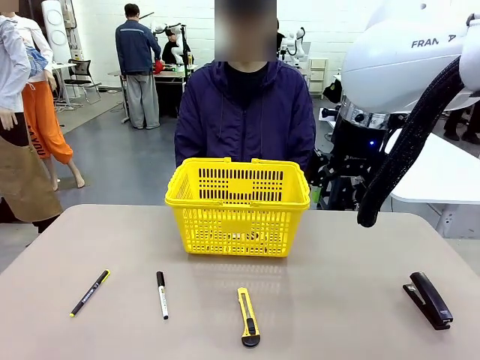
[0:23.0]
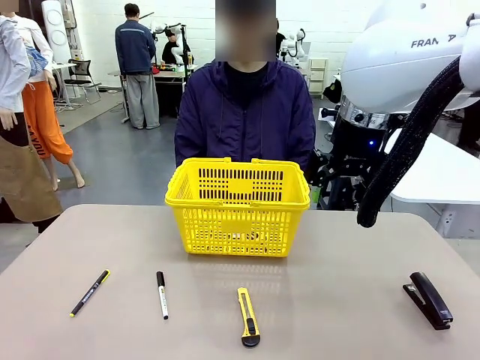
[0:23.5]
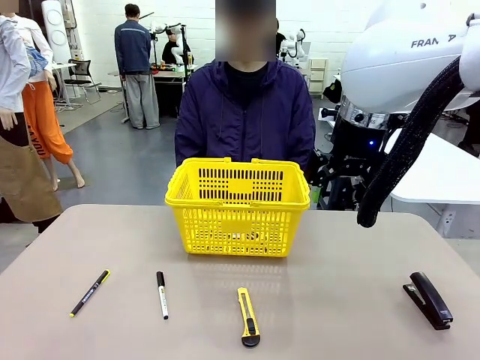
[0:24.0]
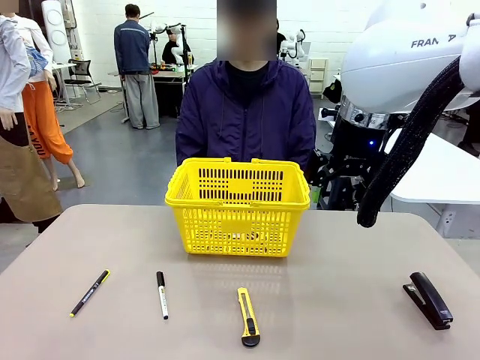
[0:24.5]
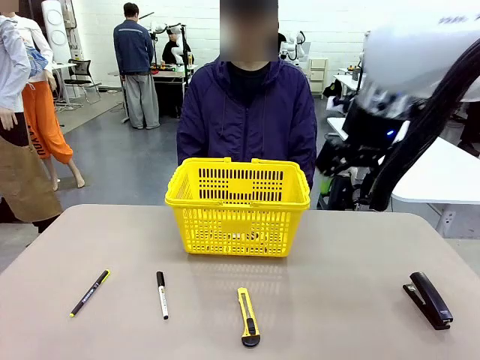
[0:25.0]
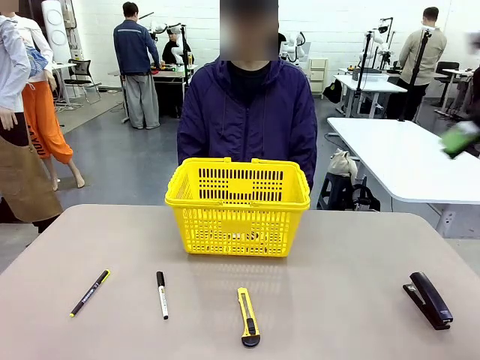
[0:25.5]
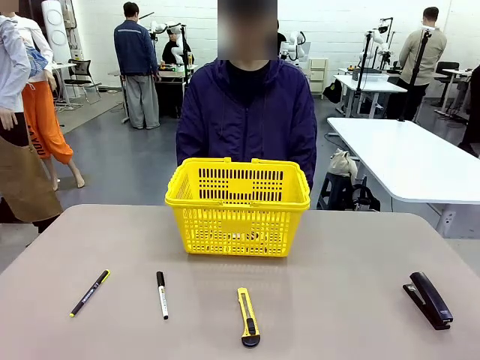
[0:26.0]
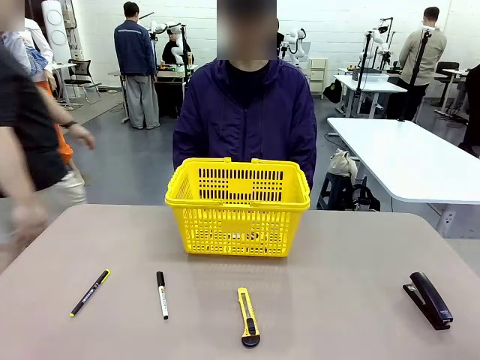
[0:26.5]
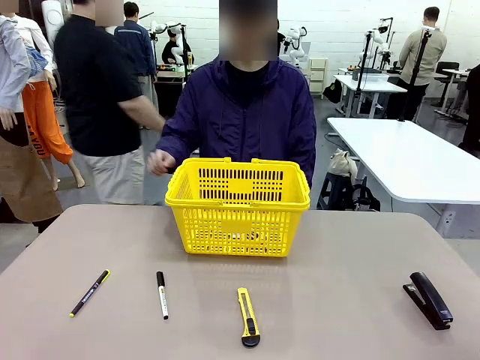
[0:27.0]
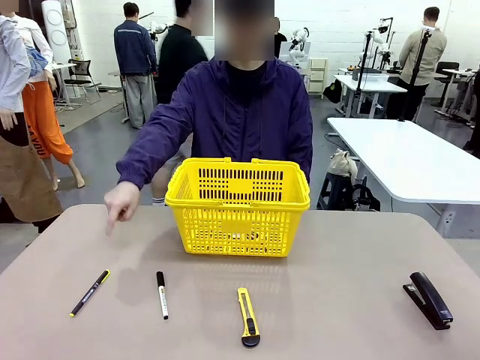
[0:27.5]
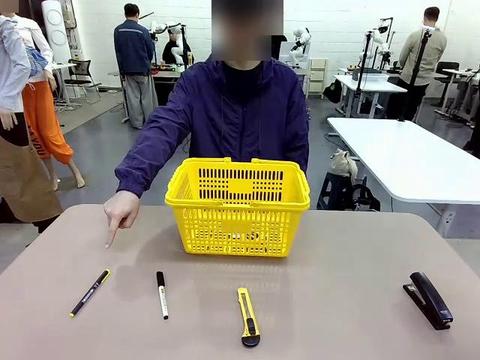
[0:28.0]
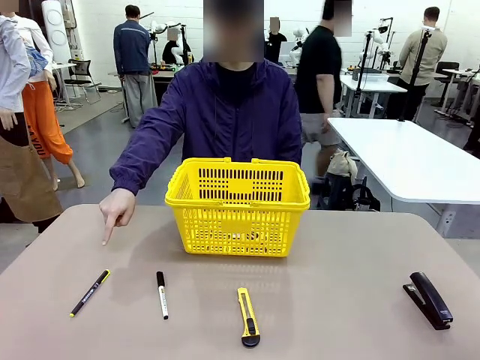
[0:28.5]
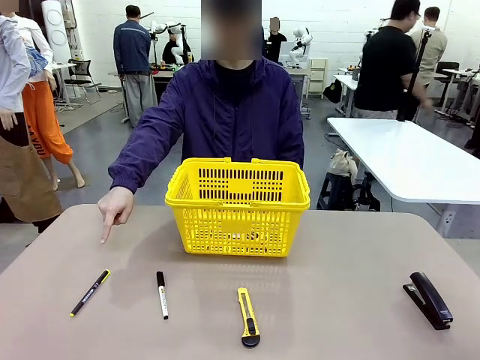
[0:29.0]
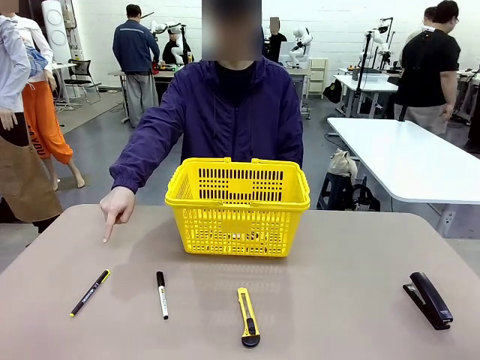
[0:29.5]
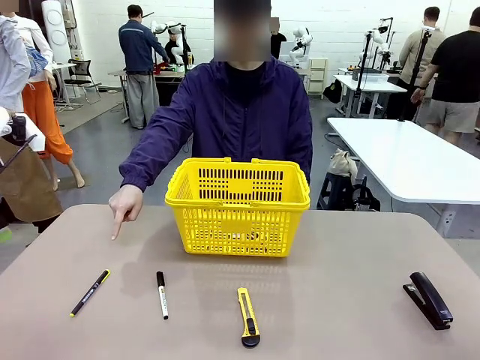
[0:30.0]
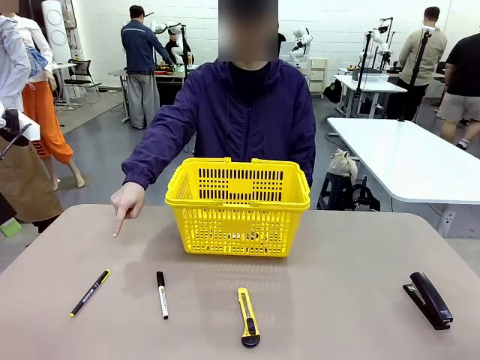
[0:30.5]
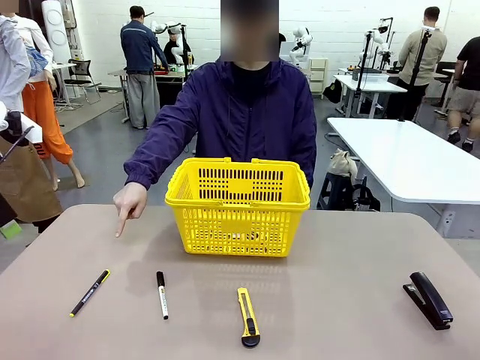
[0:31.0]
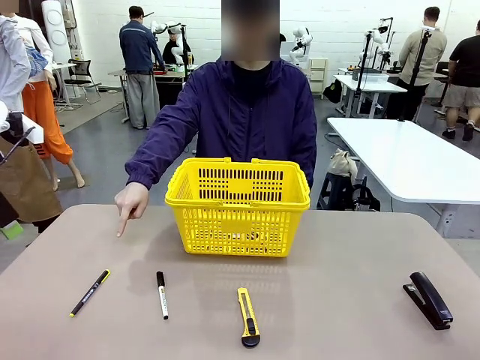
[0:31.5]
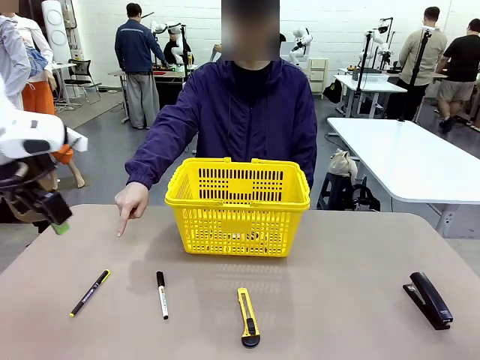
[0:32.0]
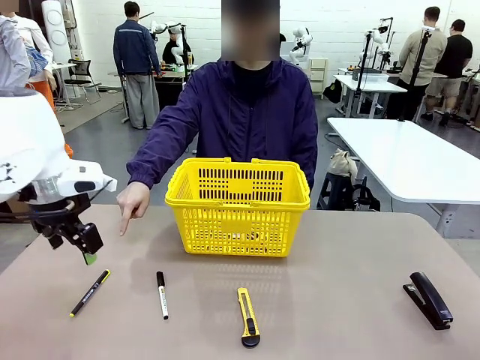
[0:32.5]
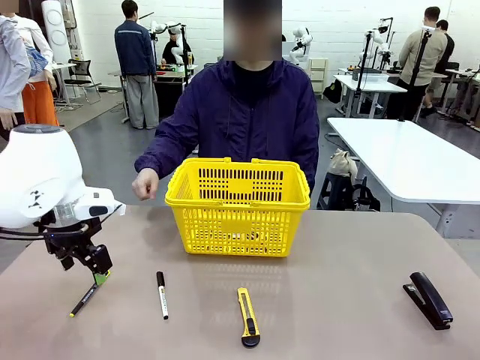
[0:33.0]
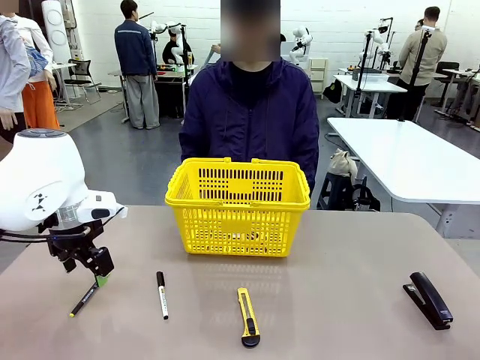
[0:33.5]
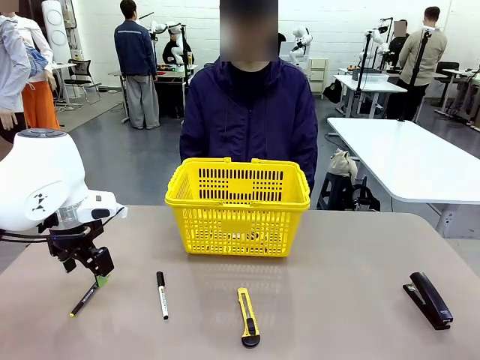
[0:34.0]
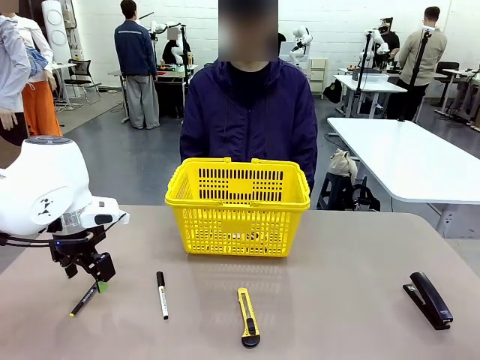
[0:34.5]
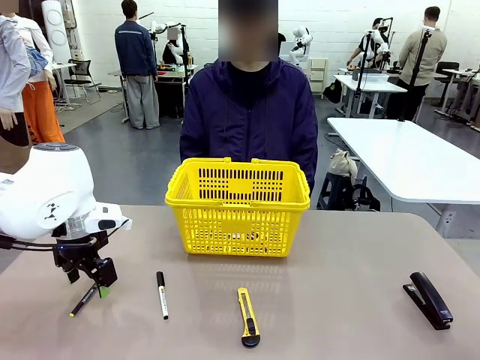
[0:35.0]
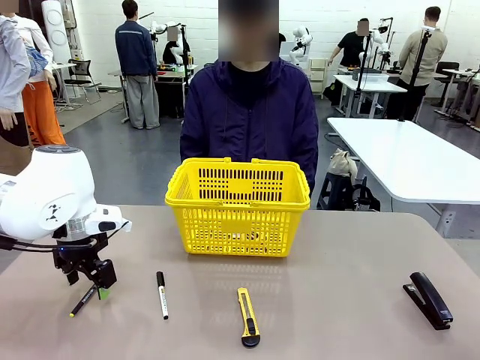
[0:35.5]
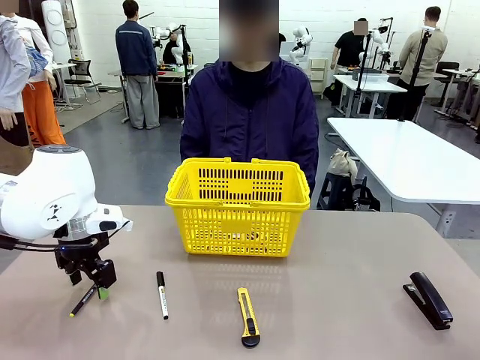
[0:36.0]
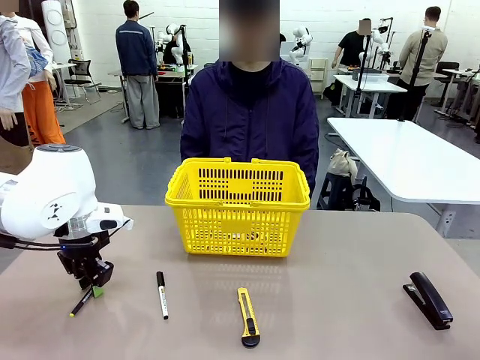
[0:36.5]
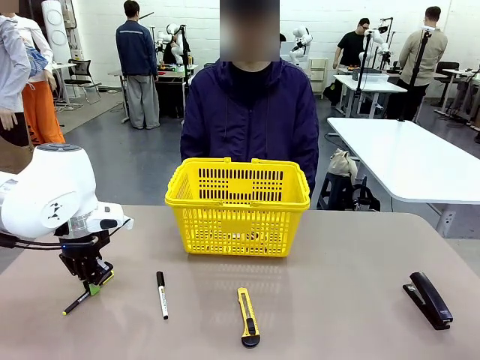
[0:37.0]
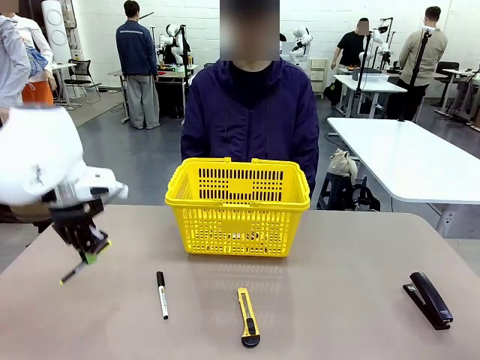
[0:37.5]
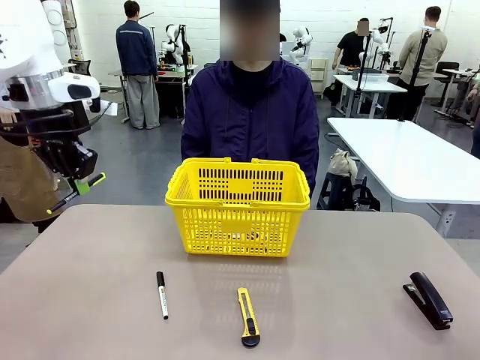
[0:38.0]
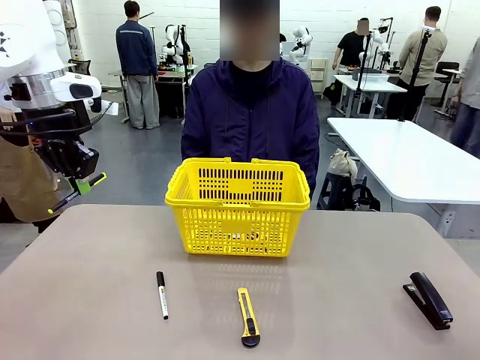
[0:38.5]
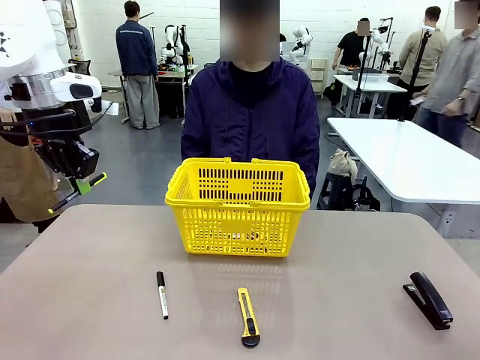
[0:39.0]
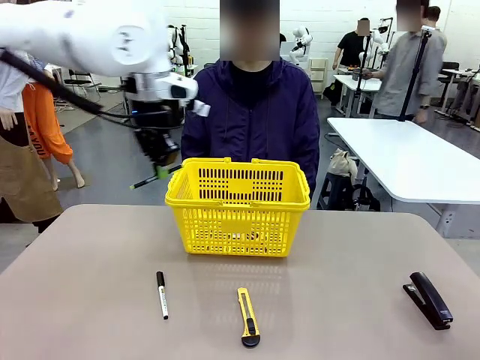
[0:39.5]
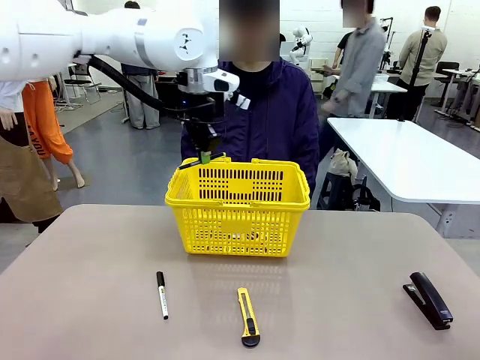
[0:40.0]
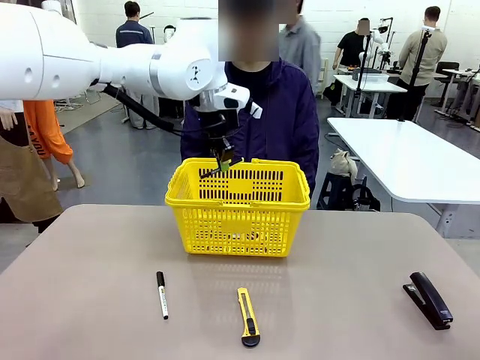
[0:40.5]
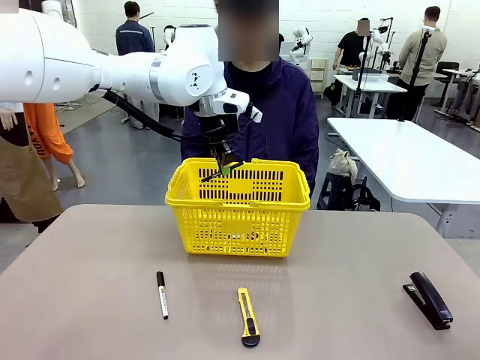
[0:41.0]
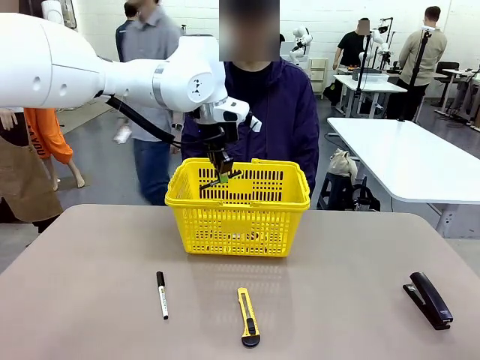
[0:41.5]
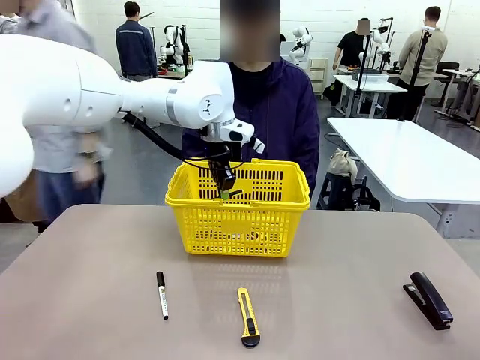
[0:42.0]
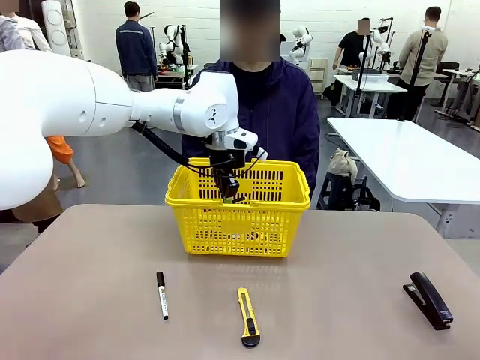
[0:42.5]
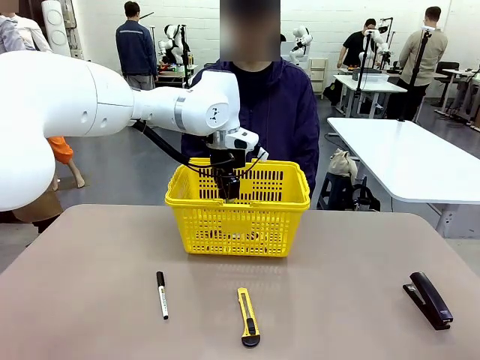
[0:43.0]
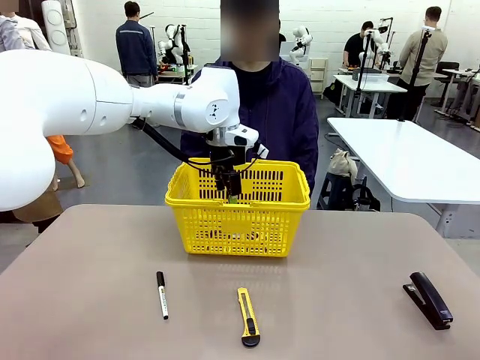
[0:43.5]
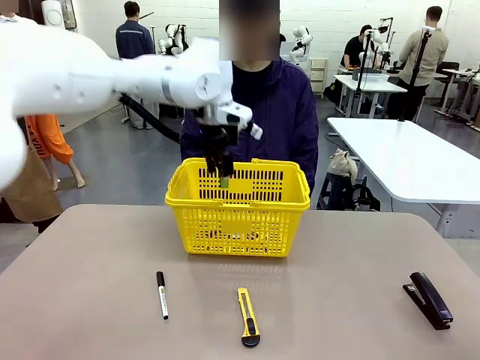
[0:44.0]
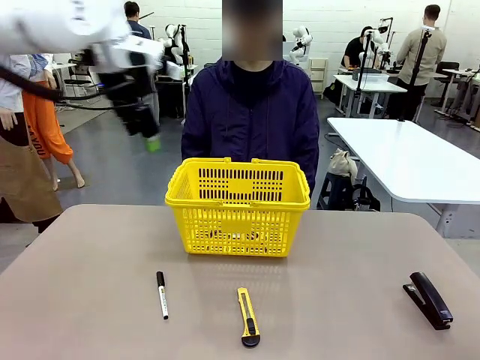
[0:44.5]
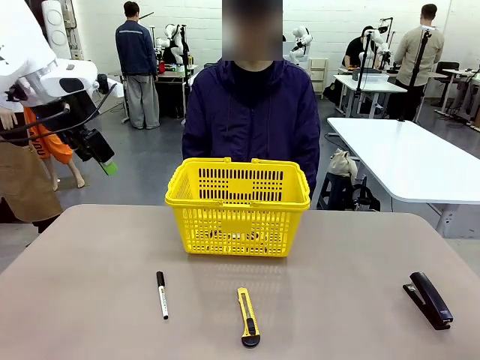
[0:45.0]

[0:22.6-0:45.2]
Task: Place the items the person wants into the basket.
Robot: Pick up the item the person points to and place it in the Market Basket.
